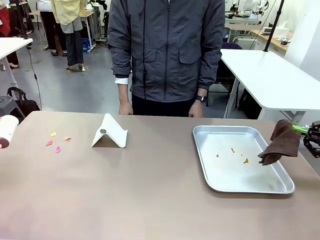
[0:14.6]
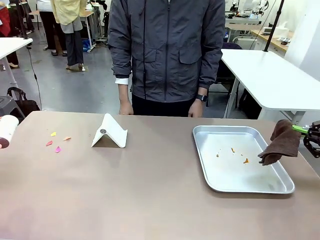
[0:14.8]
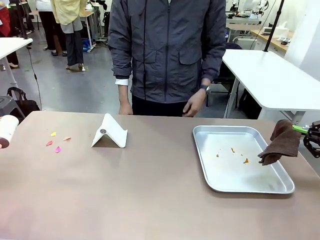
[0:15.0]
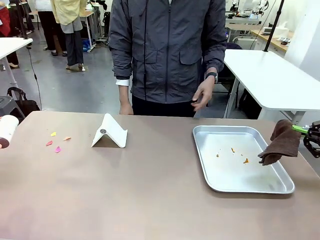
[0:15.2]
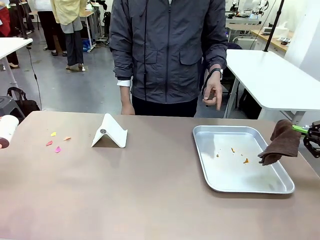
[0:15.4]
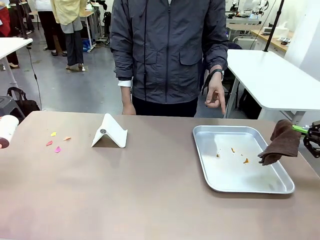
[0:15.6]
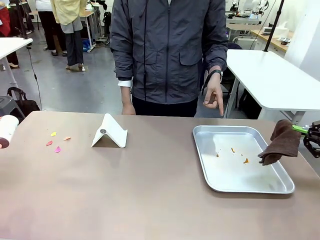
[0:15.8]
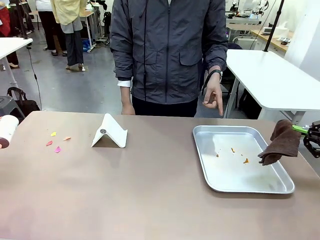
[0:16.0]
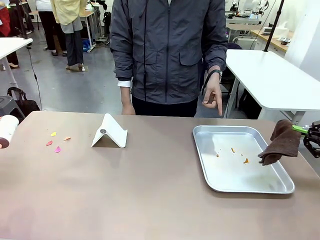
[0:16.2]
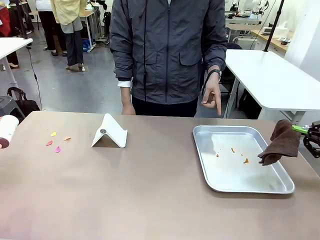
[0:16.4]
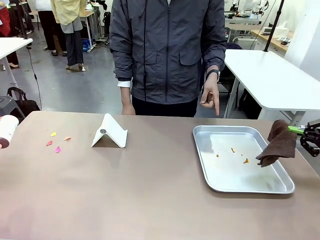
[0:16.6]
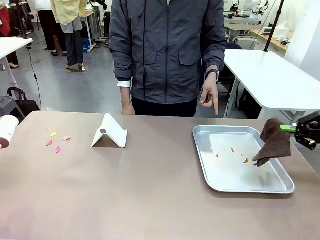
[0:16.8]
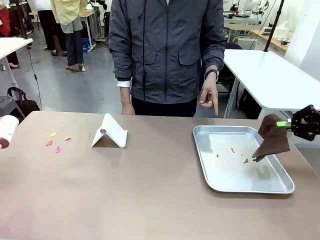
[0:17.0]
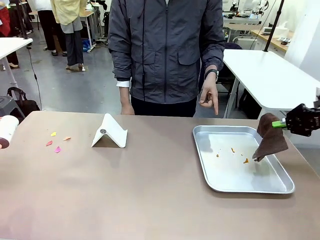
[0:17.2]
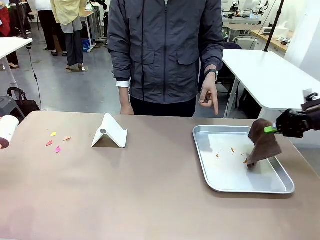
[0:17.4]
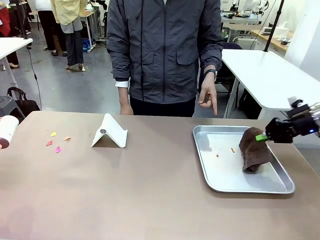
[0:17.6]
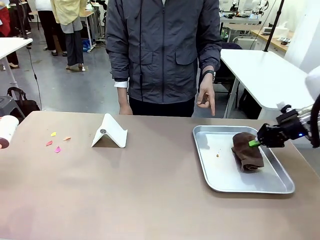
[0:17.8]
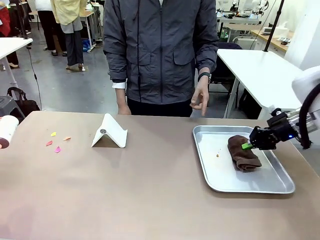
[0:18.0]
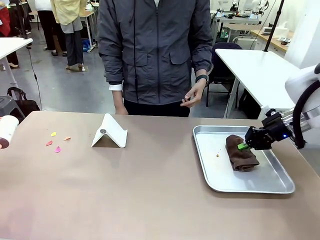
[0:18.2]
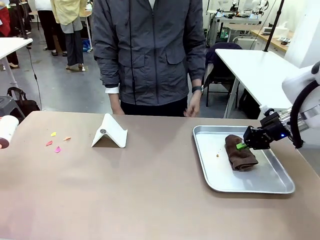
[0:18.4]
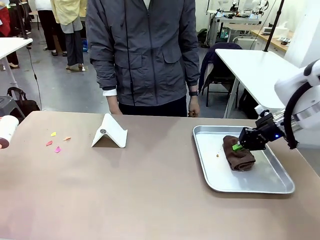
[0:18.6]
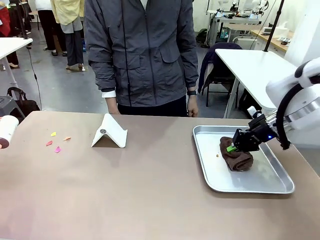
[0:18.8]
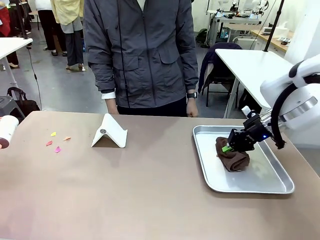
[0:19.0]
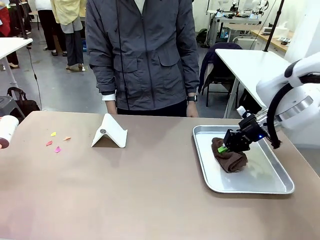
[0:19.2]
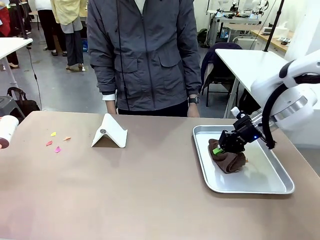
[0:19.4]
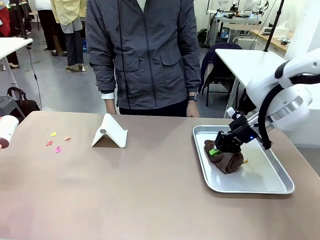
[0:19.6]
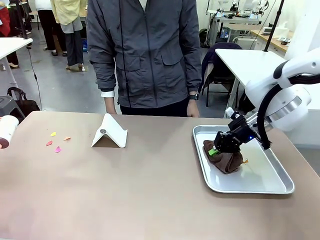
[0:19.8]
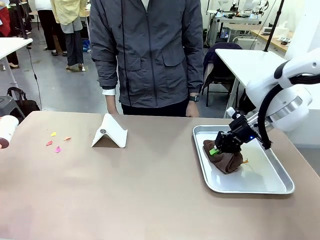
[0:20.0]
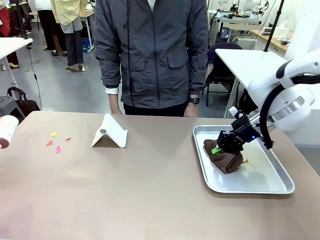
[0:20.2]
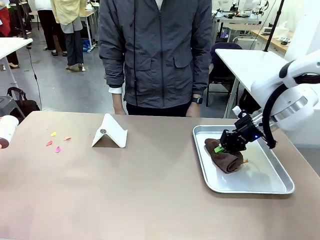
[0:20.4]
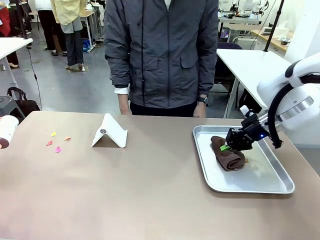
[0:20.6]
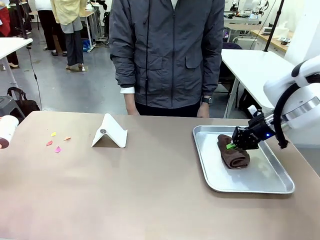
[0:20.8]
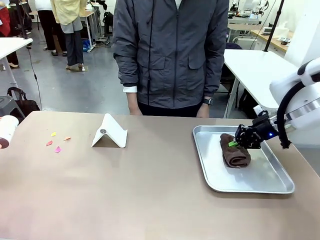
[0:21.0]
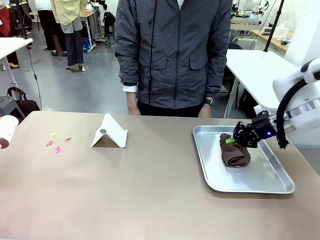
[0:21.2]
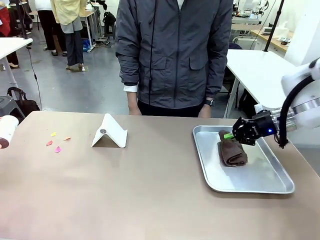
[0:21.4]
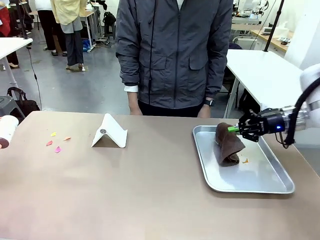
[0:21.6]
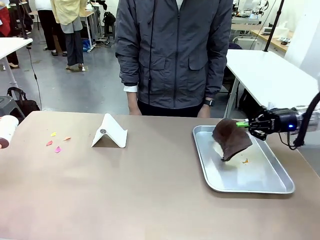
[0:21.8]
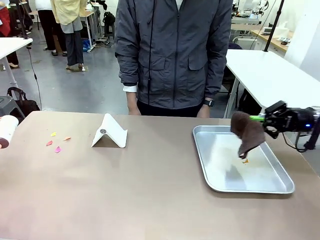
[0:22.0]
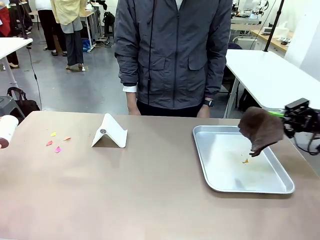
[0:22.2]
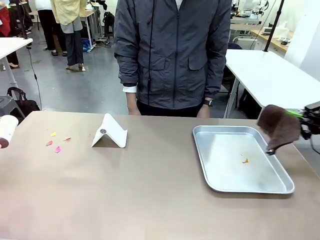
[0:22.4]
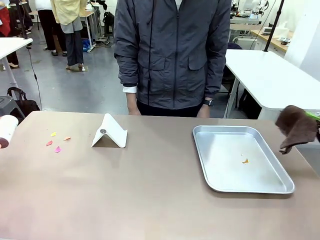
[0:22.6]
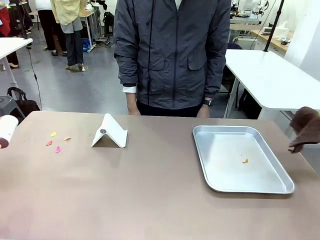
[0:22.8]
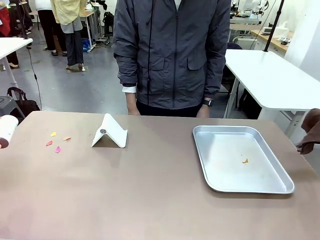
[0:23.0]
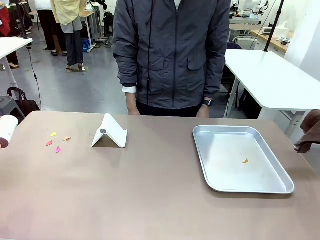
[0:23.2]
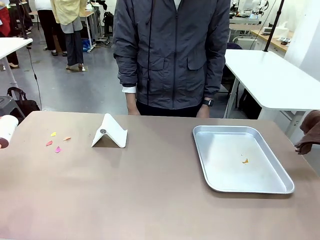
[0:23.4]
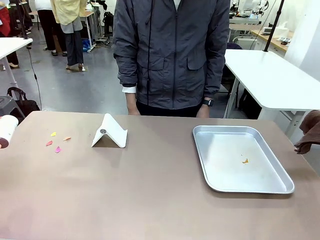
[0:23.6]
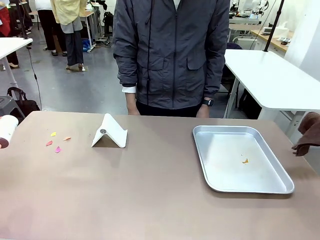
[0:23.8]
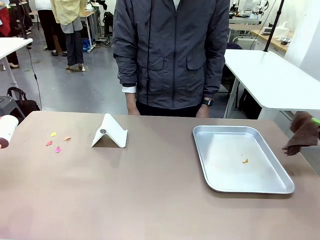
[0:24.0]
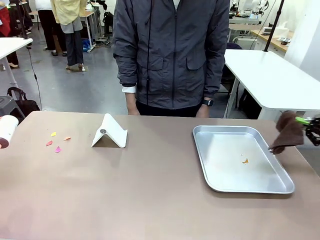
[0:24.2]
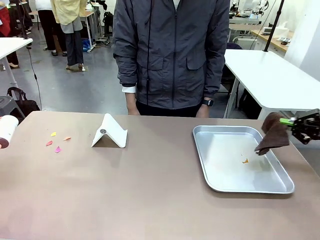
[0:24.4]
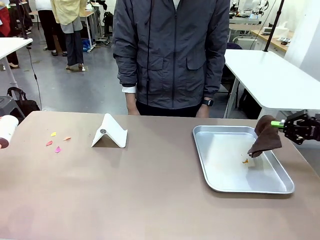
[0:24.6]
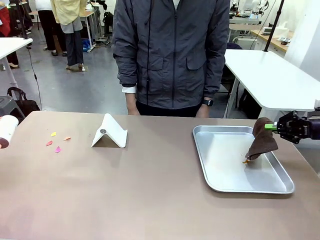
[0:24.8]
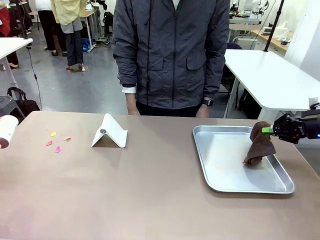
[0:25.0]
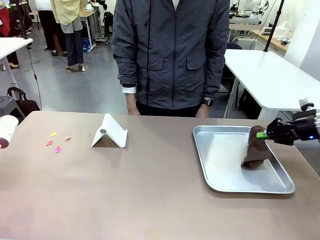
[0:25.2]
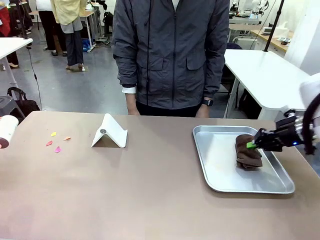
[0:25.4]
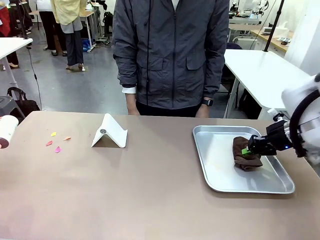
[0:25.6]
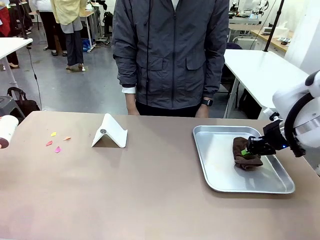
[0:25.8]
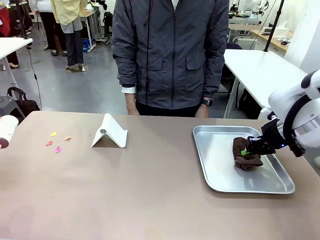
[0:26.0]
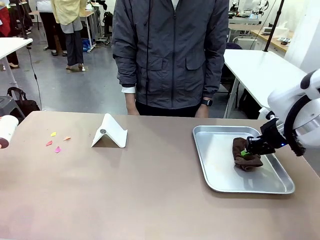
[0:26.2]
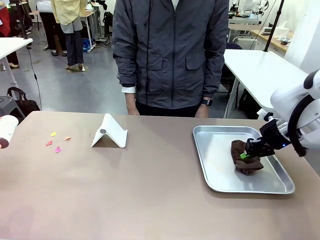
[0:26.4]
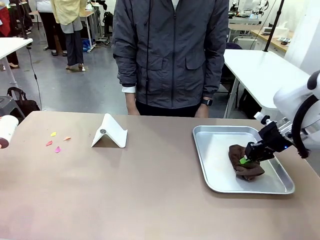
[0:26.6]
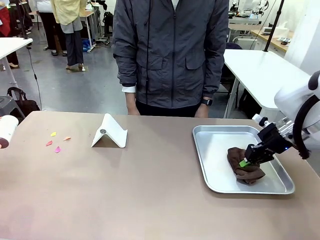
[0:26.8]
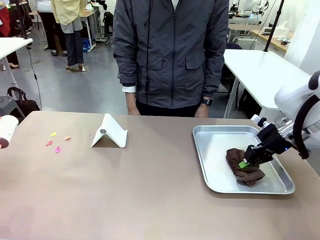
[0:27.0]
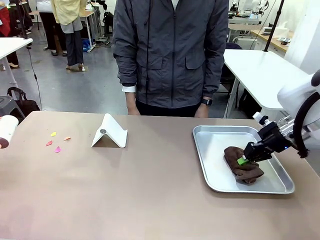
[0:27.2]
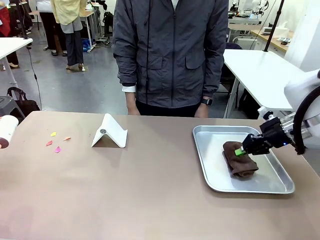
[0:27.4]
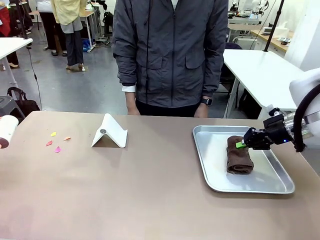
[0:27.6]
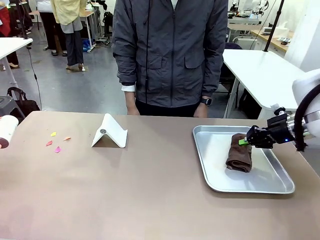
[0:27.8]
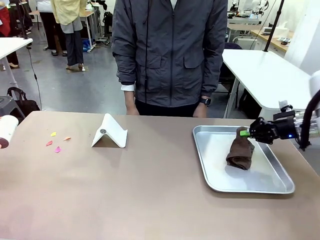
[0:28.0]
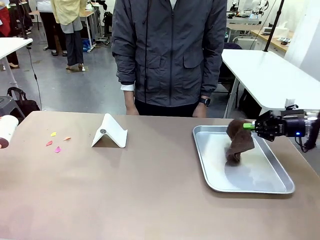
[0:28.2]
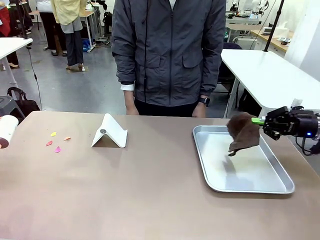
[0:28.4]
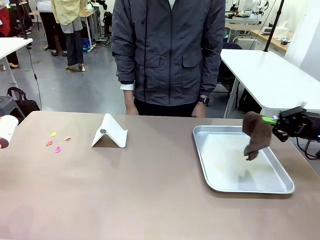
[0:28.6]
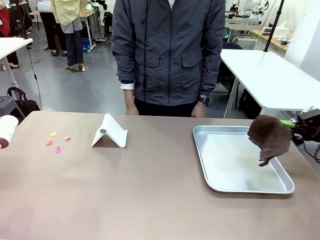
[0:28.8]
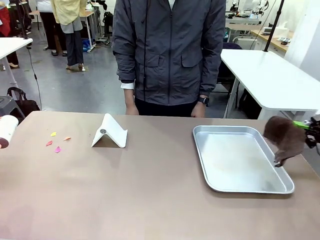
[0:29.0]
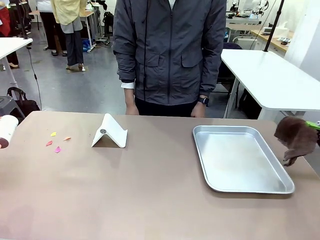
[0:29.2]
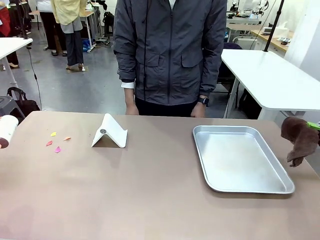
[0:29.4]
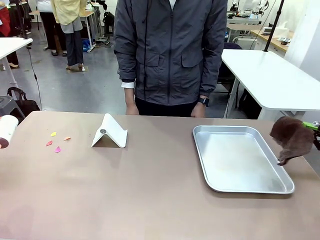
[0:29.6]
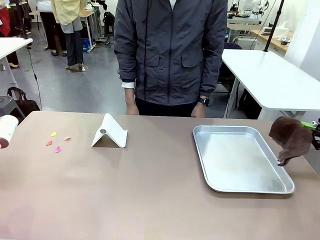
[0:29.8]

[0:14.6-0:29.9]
Task: Clean the surface of the table.
Robot: If a person points to the right, clean the right side of the table with your right hand, and if they point to the left, clean the left side with your left hand.
